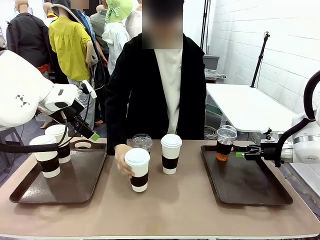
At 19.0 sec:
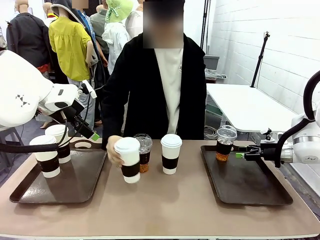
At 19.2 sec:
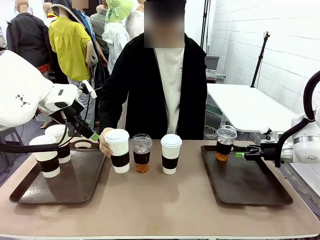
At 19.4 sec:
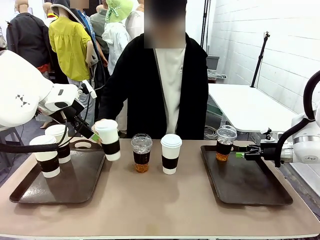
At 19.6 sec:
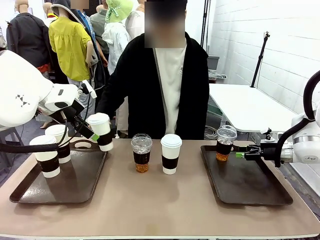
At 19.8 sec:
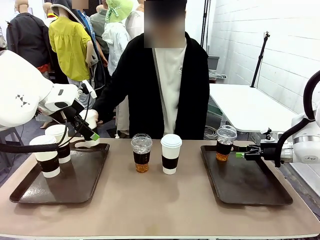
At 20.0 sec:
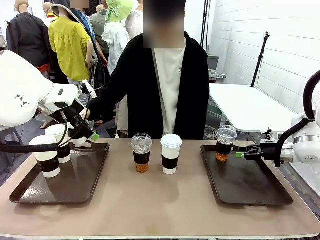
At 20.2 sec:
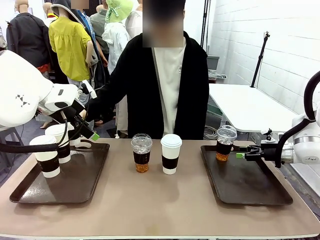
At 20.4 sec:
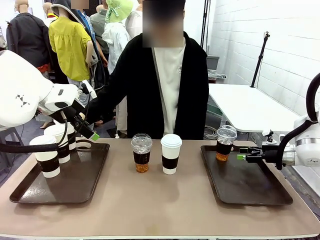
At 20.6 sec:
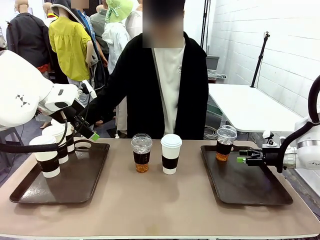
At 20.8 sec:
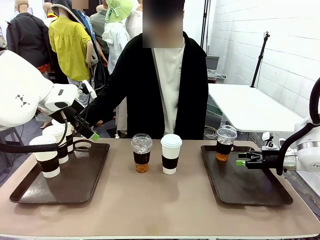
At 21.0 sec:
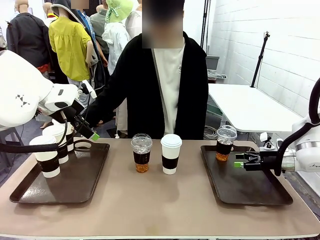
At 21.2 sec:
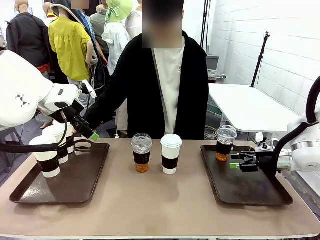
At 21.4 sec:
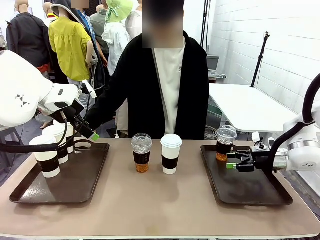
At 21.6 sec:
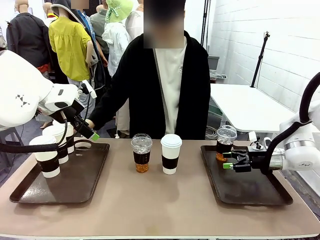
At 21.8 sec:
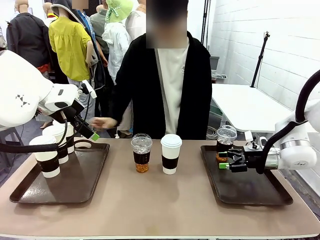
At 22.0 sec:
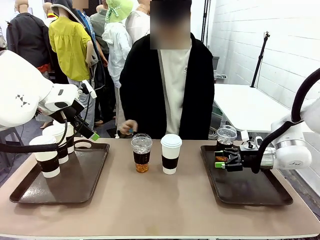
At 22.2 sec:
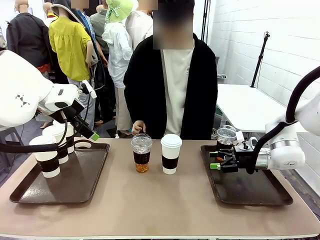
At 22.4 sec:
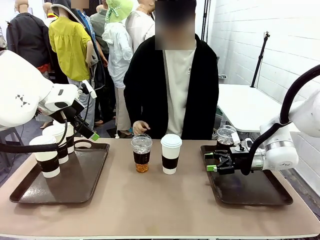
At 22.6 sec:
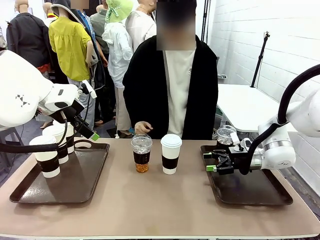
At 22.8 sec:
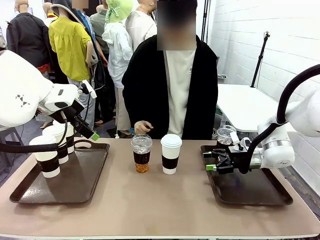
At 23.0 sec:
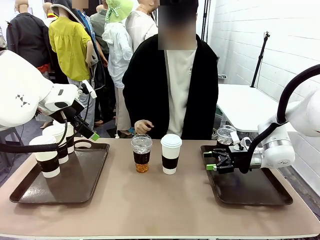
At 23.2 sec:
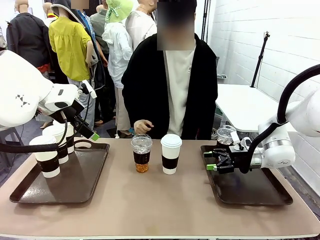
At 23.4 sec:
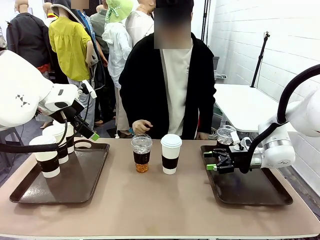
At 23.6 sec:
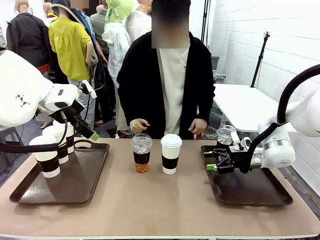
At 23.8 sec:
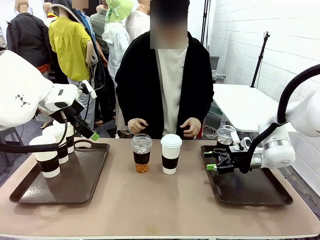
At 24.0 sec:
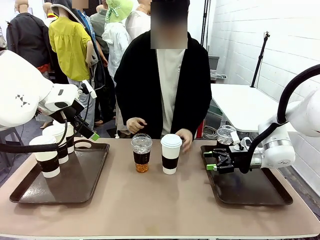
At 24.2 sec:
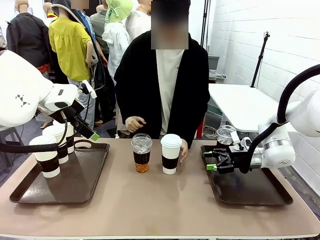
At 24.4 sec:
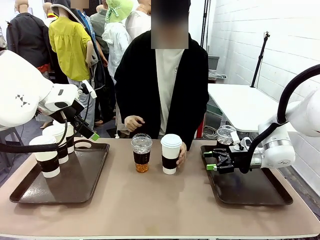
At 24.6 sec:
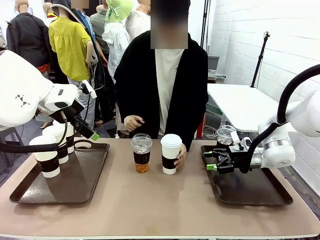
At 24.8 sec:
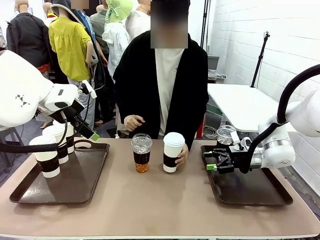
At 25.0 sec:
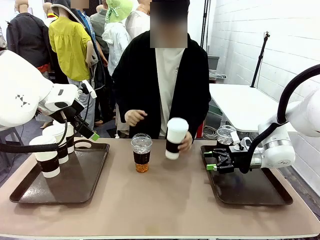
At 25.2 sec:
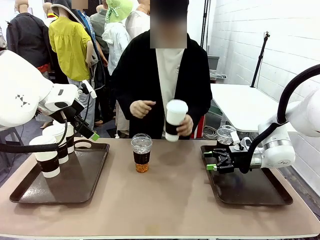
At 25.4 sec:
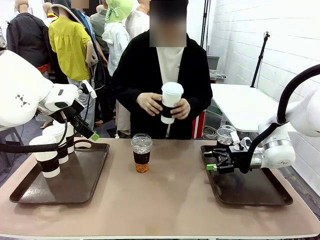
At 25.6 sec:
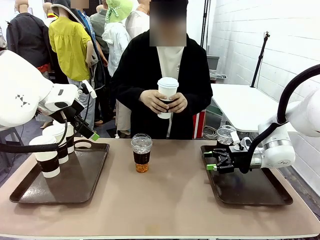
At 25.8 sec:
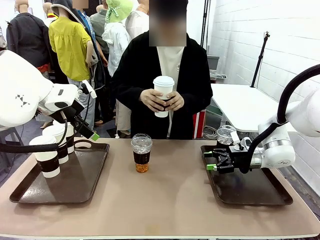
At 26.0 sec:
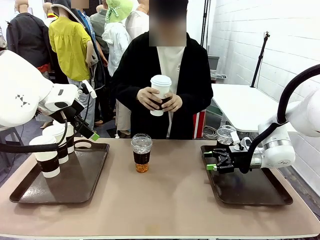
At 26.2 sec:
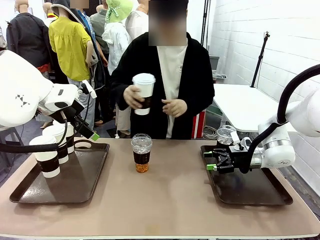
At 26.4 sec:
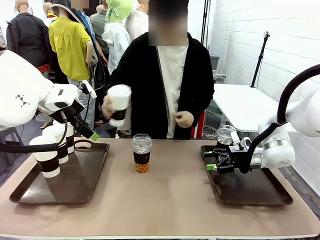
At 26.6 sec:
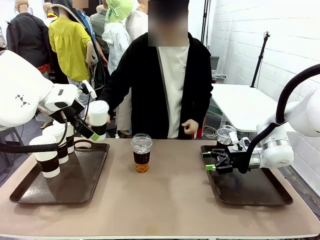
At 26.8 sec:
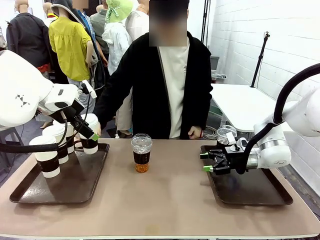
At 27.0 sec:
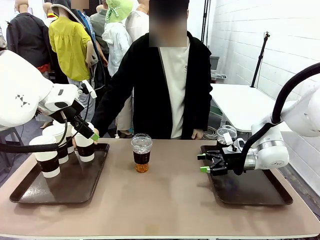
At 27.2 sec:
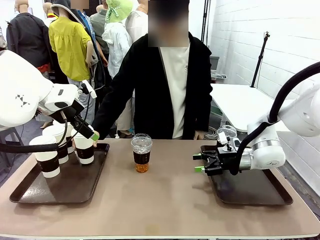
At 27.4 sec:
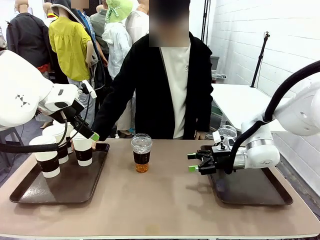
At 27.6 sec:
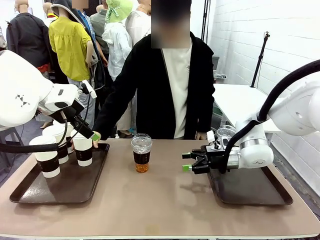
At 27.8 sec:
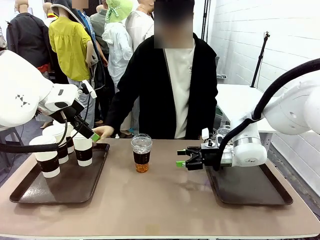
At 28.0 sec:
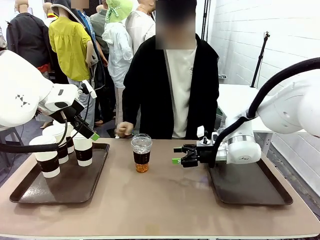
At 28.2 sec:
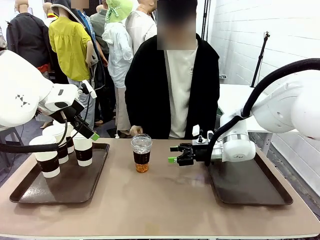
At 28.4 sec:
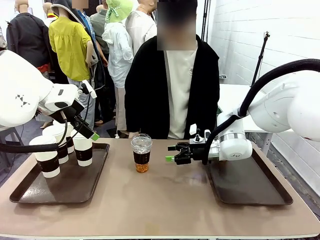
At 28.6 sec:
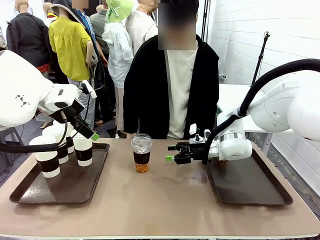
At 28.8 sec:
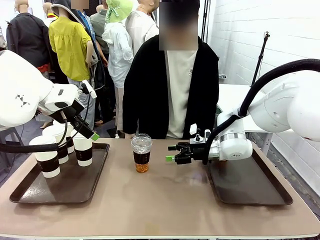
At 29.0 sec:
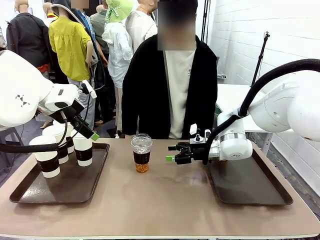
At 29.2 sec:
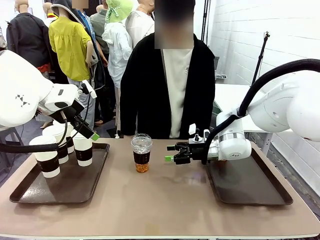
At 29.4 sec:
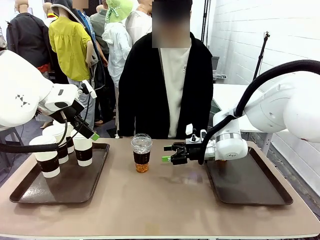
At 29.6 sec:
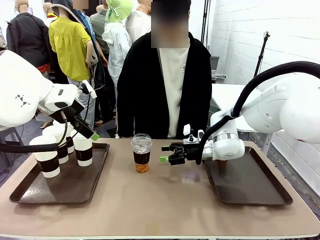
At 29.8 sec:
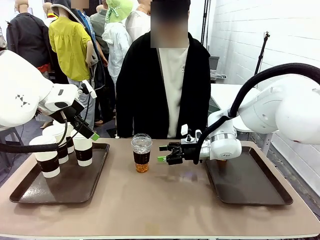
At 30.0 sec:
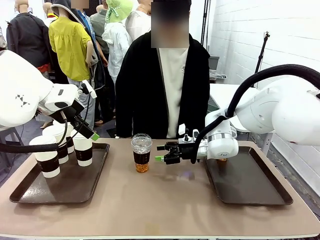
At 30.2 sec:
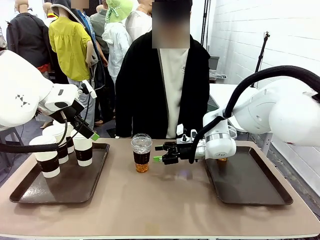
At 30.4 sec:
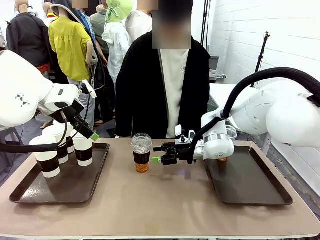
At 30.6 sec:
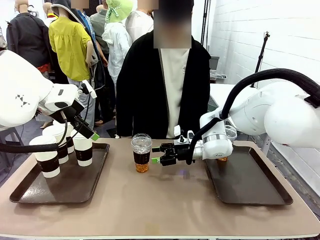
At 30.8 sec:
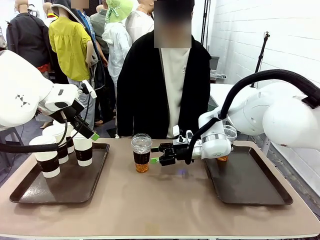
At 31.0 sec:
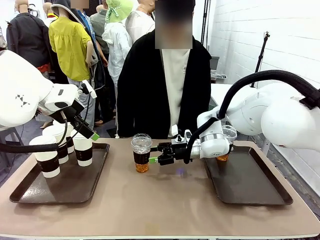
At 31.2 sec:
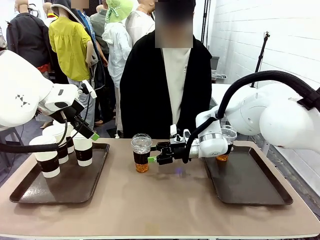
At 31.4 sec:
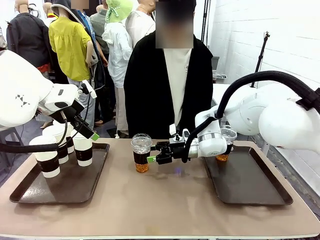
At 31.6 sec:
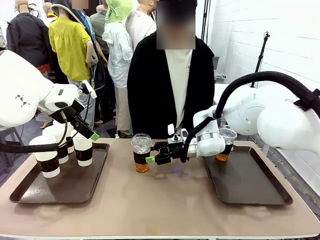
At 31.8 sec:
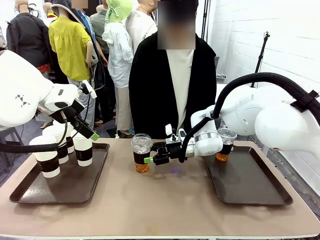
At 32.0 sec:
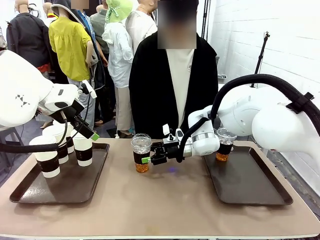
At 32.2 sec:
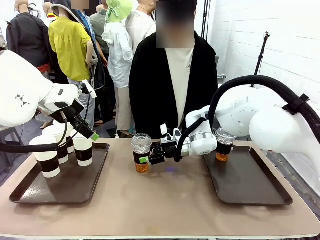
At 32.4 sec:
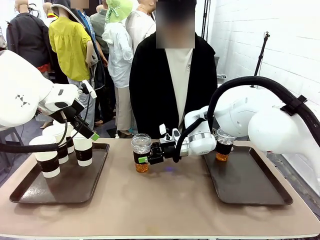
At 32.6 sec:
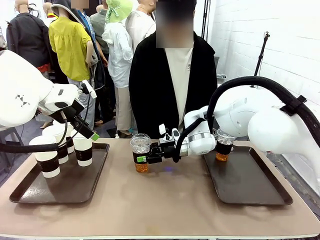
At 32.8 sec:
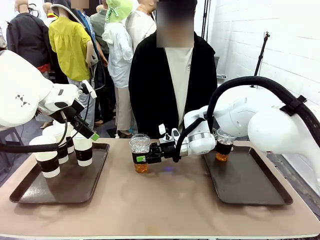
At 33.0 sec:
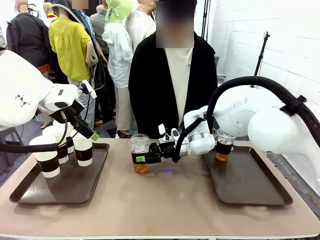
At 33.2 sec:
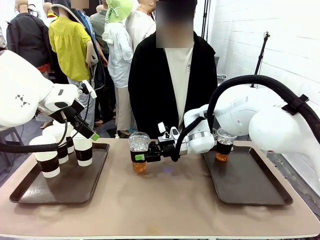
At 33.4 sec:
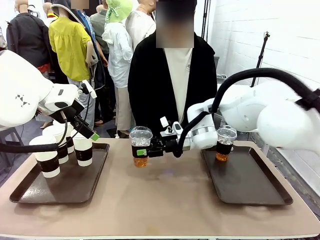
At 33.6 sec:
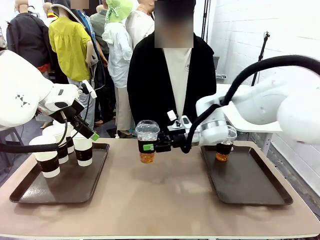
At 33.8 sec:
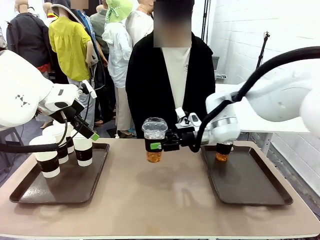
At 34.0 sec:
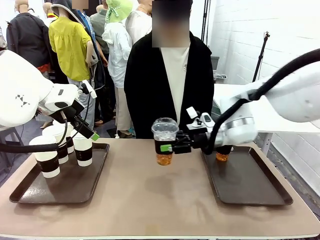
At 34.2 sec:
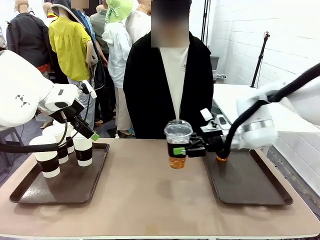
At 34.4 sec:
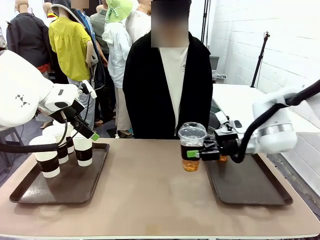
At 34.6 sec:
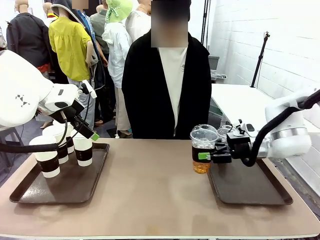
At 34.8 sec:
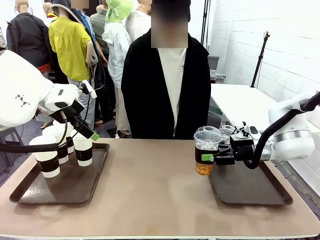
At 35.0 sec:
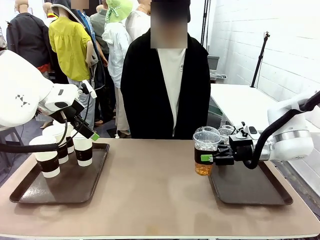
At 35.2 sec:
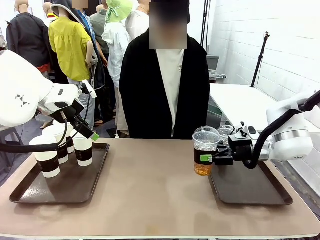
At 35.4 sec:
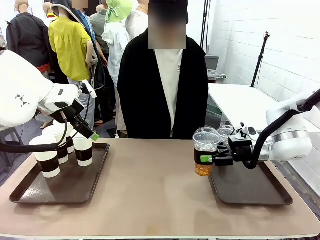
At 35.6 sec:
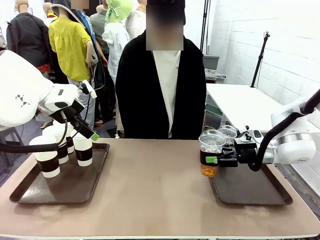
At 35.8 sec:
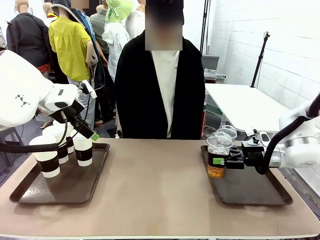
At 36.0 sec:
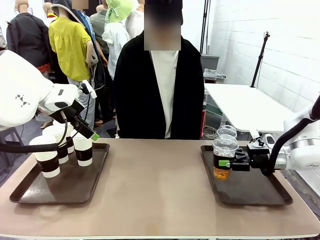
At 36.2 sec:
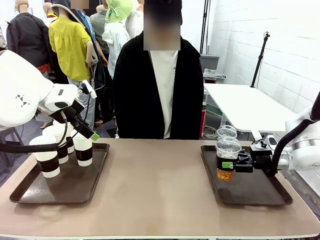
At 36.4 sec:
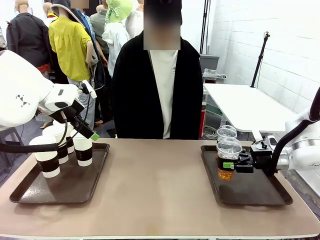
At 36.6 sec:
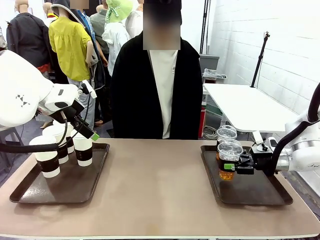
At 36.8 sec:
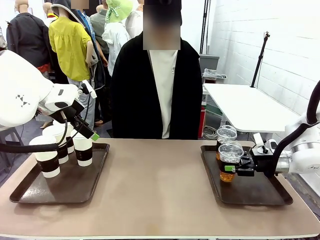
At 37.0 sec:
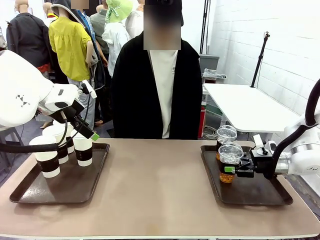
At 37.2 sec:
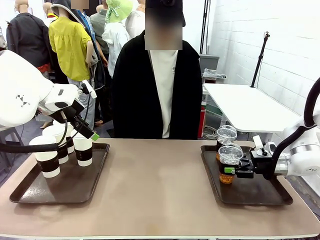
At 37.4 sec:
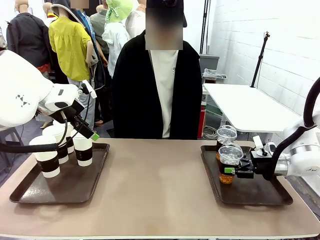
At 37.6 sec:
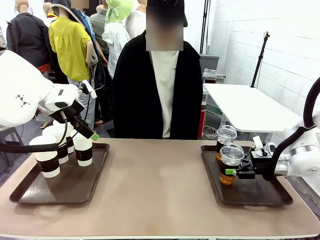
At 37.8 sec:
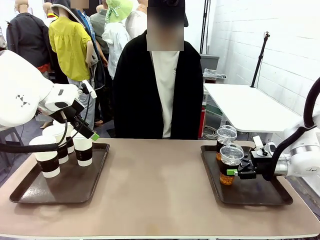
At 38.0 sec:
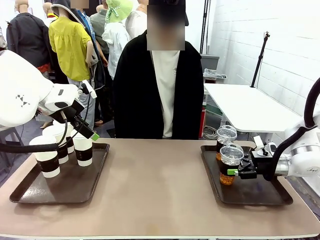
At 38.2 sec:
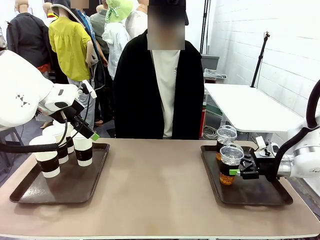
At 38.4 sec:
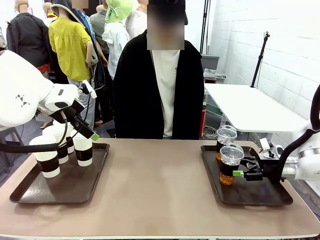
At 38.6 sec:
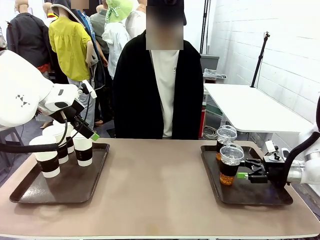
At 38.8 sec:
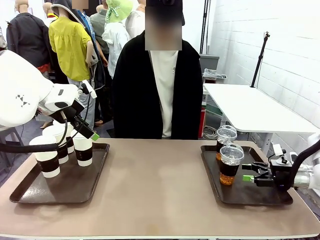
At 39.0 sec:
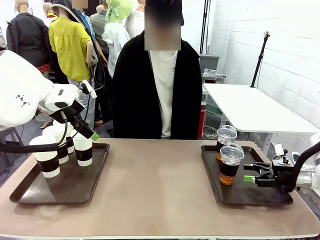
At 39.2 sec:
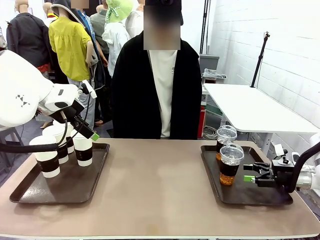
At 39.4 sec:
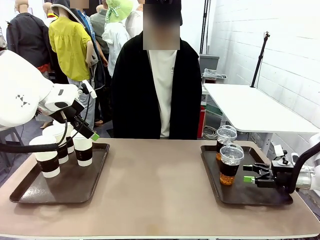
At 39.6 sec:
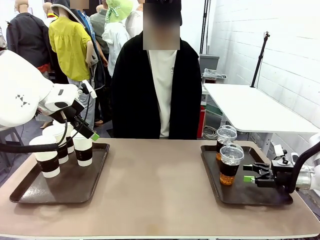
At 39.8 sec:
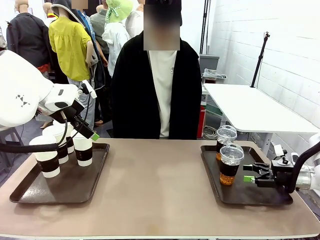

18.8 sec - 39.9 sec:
Task: Distribute the coffee onto the tray.
Robot: Pick up another iced Americano from the middle of the table and place it on the right Handle tray.
Person: Pick up a cup of hot Americano from the middle of the table and place it on the right tray.
